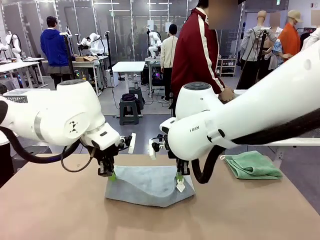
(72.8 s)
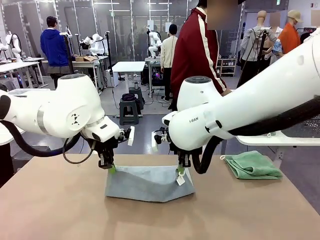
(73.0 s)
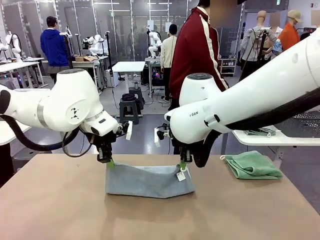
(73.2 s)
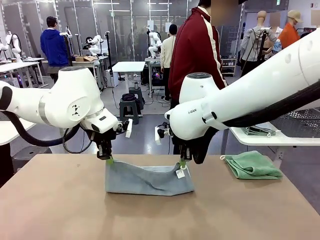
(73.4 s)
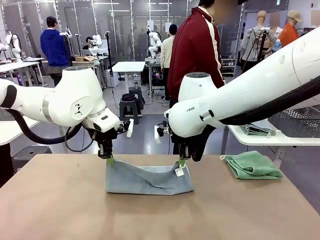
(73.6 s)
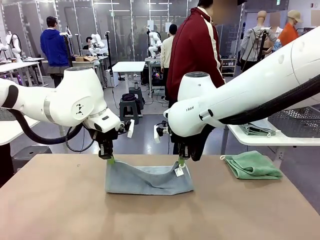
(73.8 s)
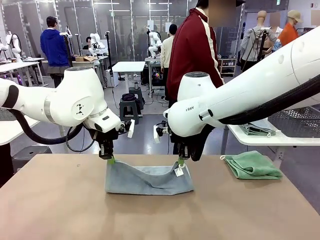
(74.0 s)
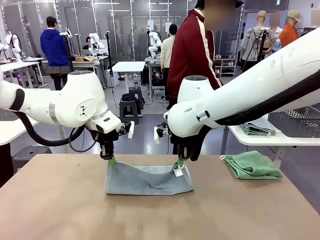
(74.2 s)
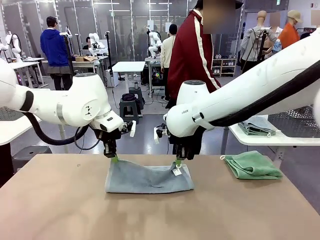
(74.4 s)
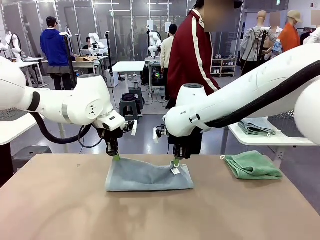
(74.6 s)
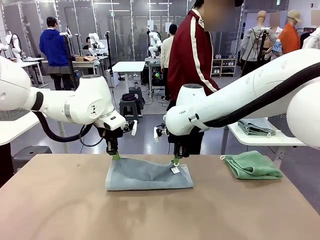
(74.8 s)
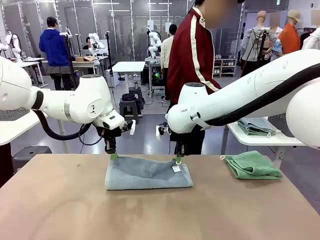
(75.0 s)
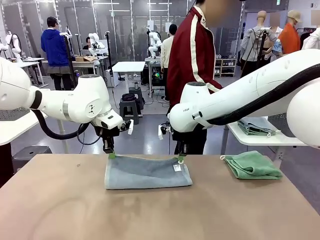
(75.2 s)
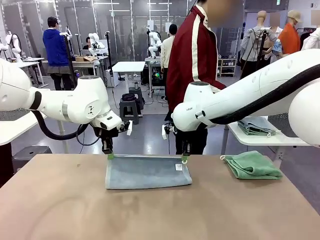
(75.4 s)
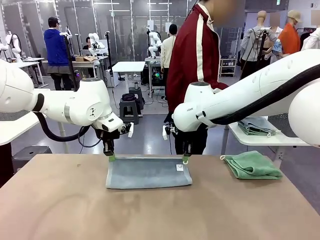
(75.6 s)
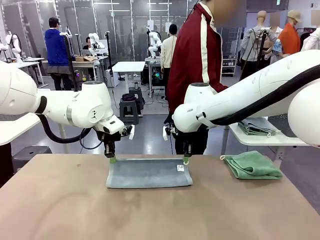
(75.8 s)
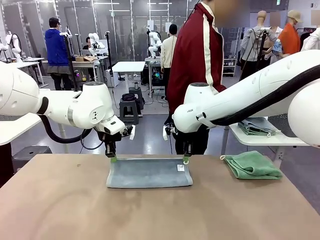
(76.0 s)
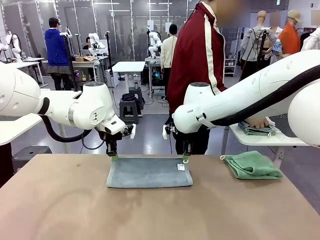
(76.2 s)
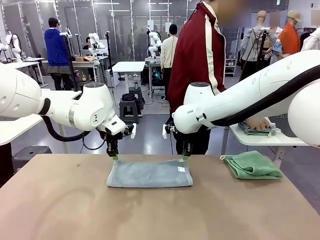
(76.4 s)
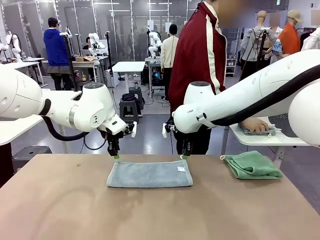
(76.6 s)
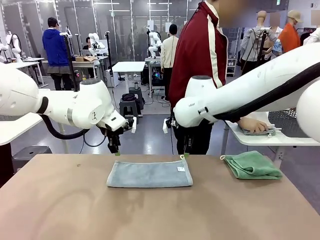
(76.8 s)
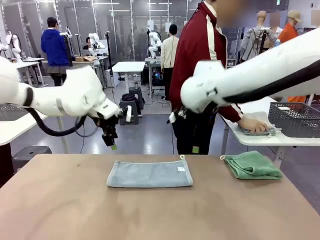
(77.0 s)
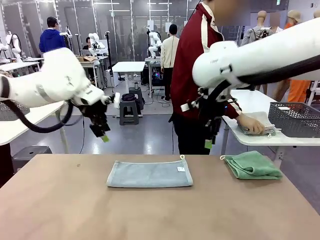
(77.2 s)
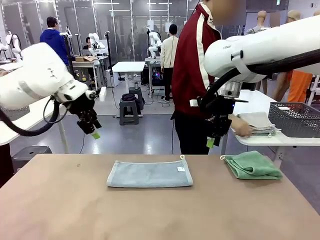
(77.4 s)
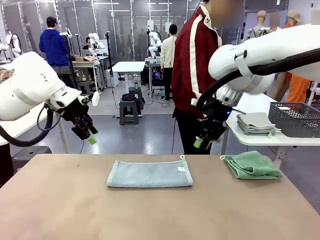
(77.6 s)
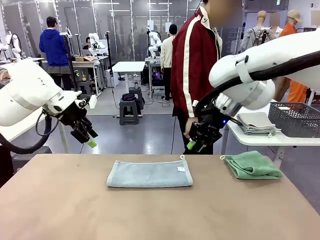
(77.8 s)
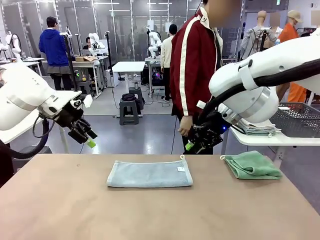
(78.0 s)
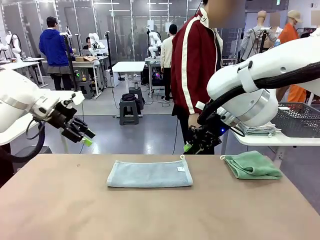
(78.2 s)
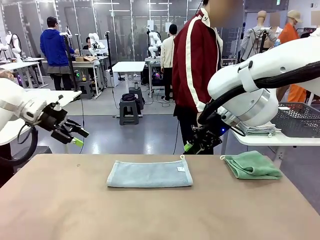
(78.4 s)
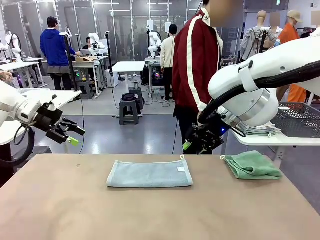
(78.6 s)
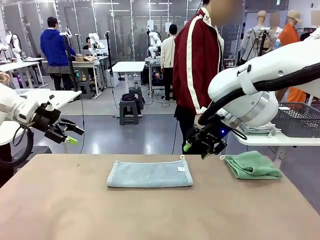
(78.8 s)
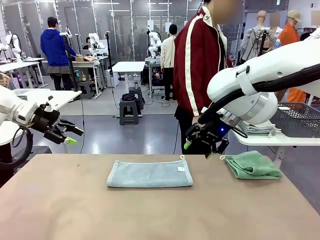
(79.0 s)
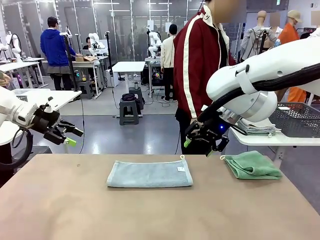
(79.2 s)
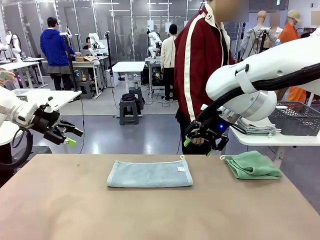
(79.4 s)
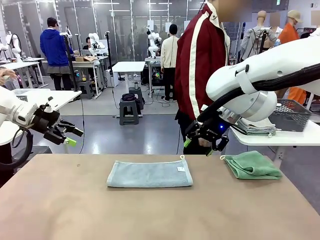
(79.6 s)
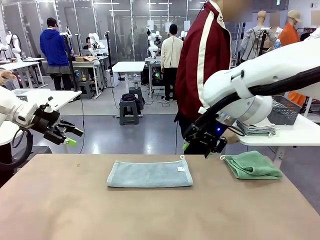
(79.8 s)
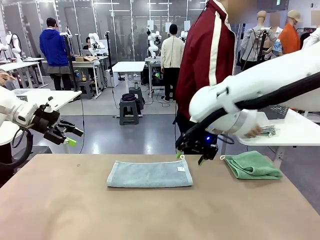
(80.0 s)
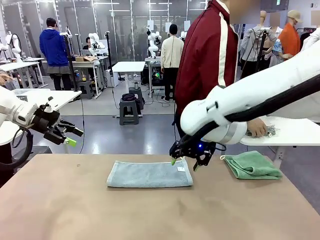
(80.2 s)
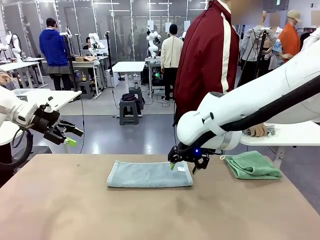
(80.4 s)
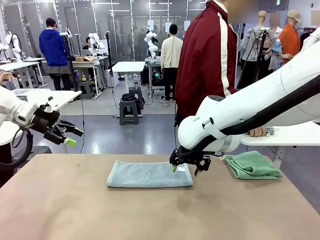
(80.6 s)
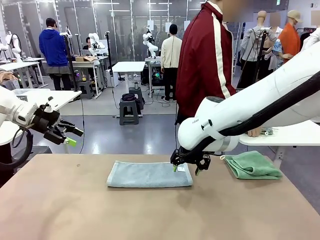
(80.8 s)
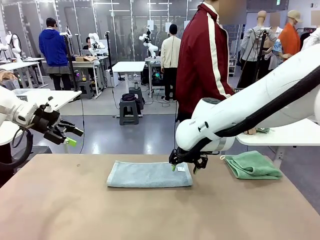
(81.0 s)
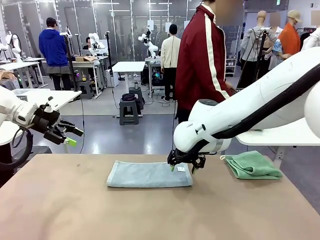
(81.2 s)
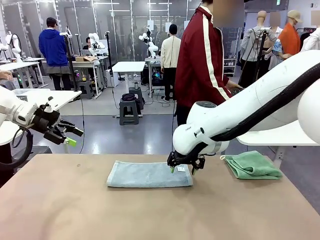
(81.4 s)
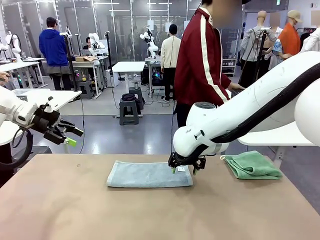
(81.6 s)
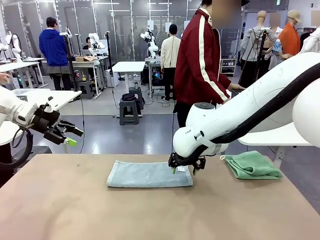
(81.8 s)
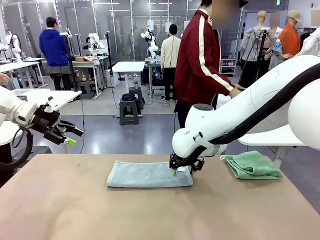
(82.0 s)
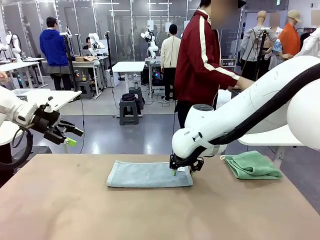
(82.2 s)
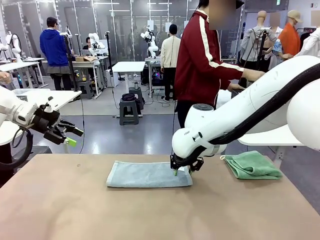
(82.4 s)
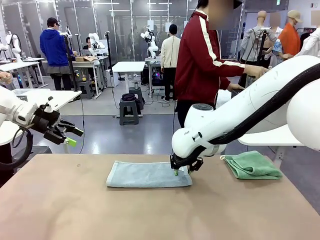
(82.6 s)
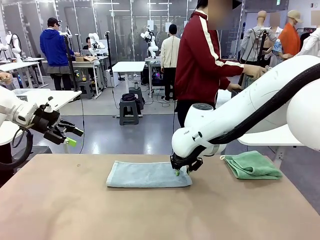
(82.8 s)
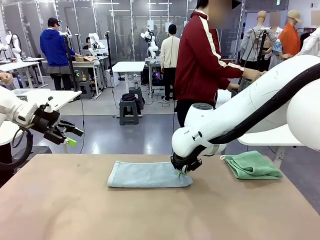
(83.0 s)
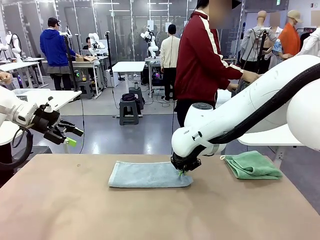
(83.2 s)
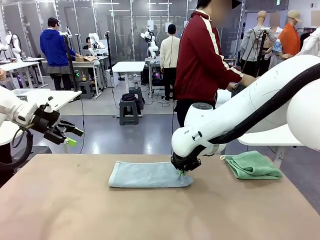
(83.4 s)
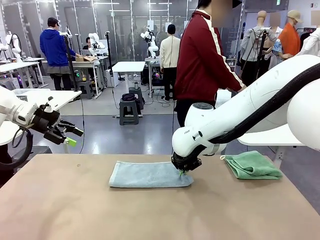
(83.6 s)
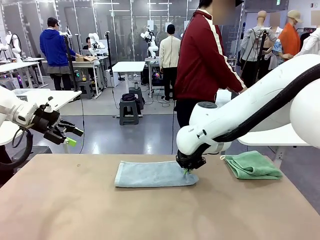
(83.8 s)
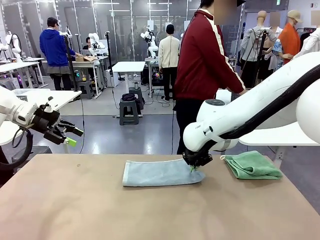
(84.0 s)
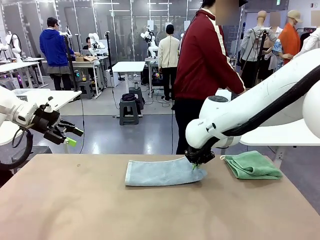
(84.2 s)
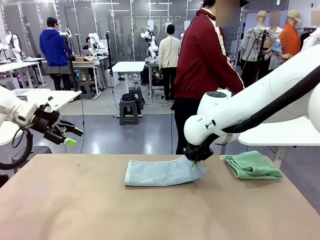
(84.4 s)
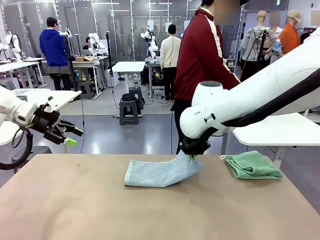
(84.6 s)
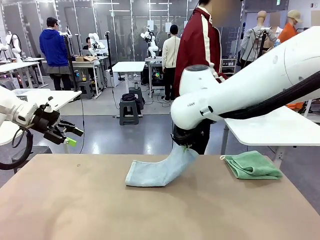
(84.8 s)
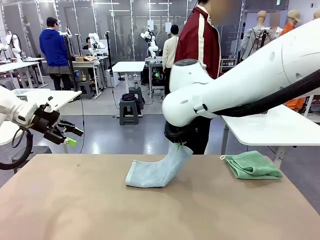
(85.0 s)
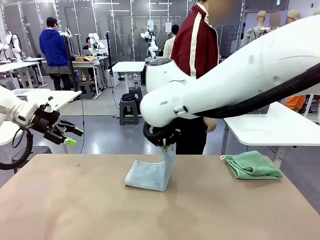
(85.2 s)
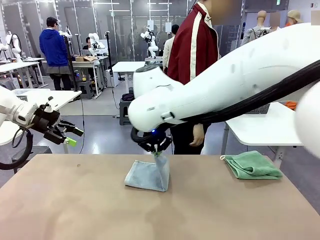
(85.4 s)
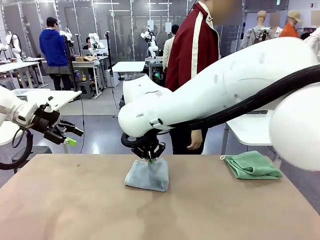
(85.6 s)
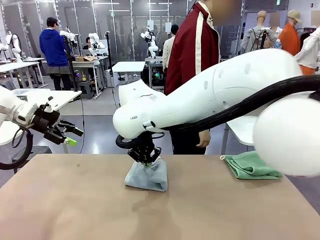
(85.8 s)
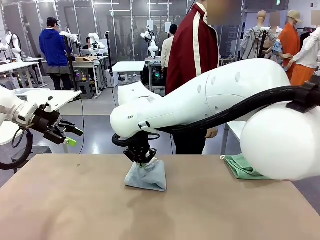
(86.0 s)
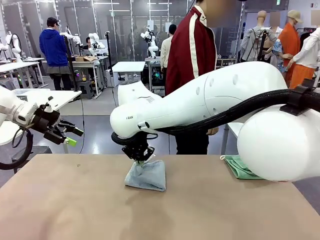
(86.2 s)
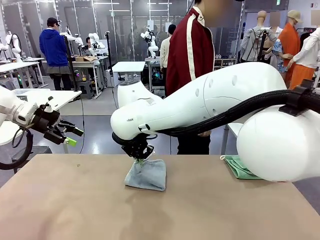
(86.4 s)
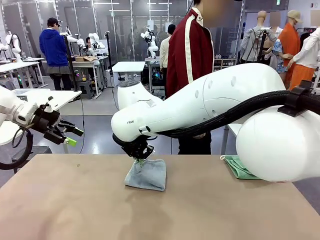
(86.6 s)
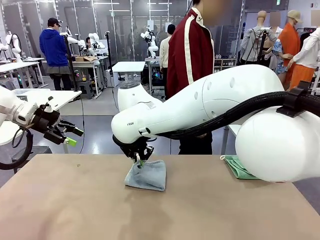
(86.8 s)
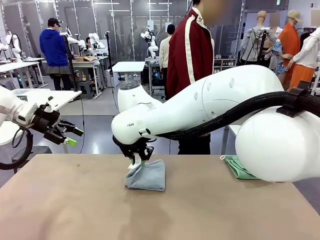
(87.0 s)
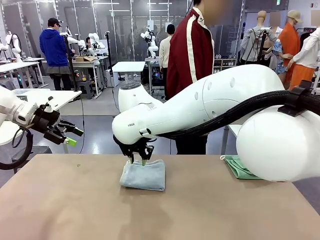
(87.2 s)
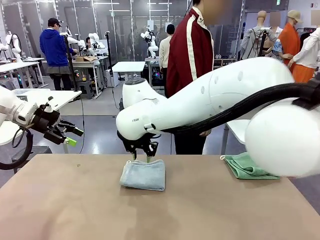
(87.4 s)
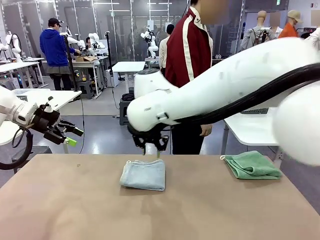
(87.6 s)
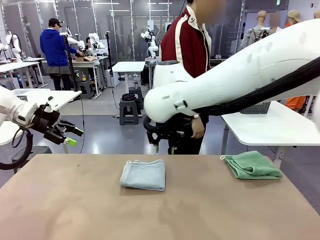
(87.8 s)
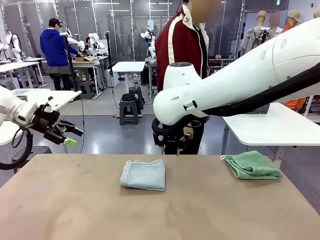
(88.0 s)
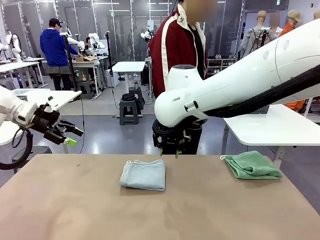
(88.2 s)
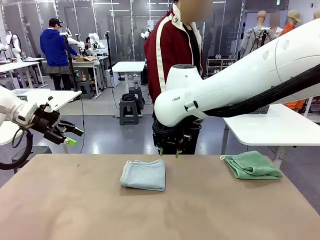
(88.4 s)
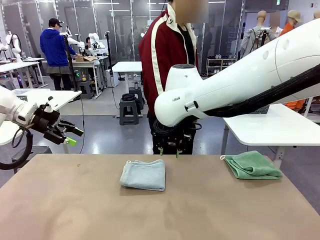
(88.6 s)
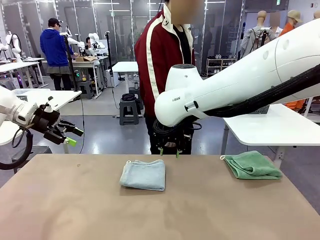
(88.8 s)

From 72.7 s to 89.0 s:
Task: Fold the towels and place them in the basket.
Robot: When a person lays out a Towel with hook on the table, fold it in half twice.
Person: Pick up the stack of towels from the right side of the human table, place it into the basket, and put the basket at the center of the table.
